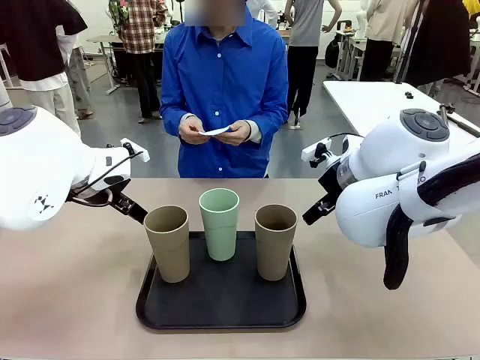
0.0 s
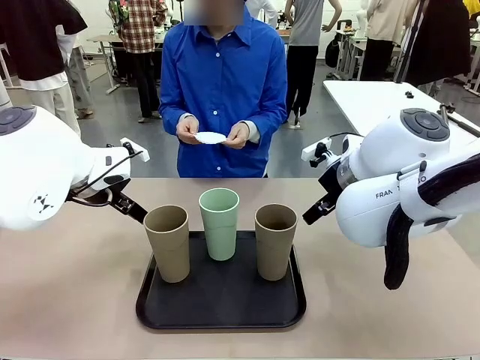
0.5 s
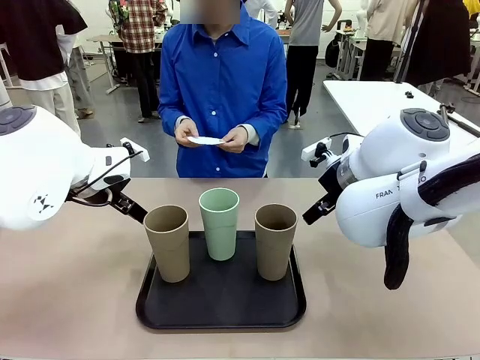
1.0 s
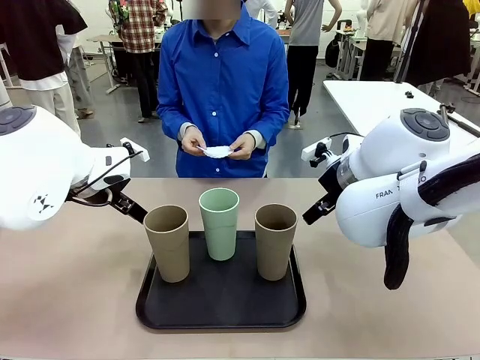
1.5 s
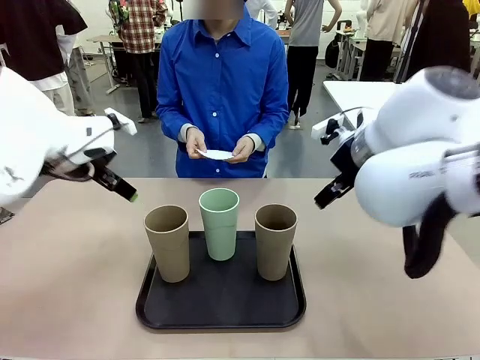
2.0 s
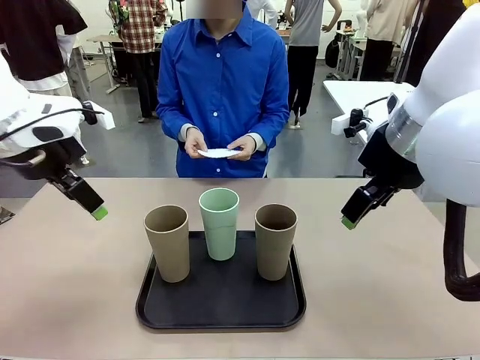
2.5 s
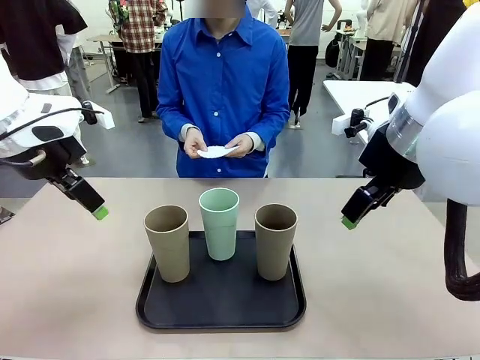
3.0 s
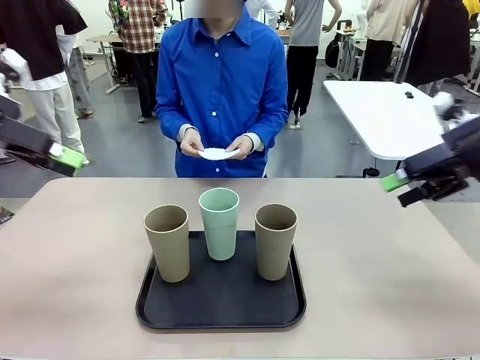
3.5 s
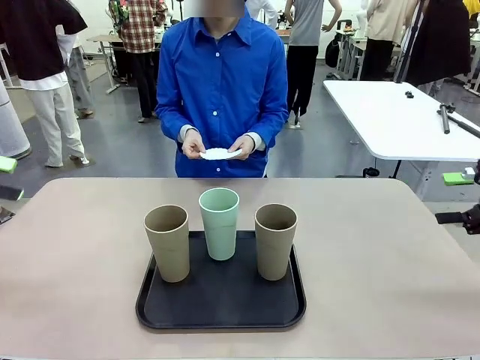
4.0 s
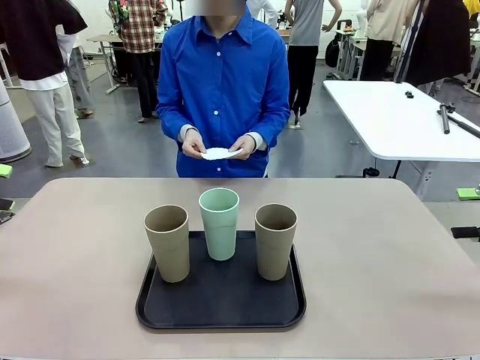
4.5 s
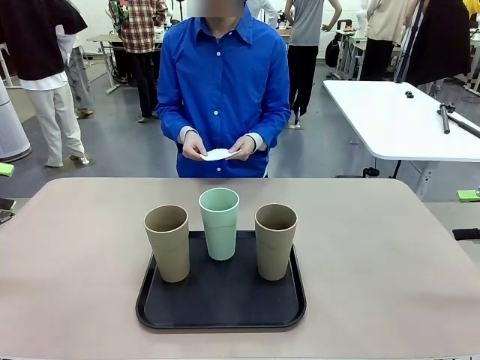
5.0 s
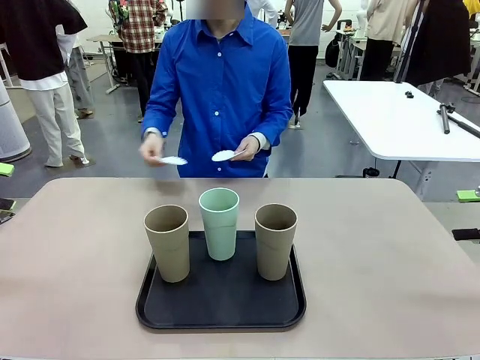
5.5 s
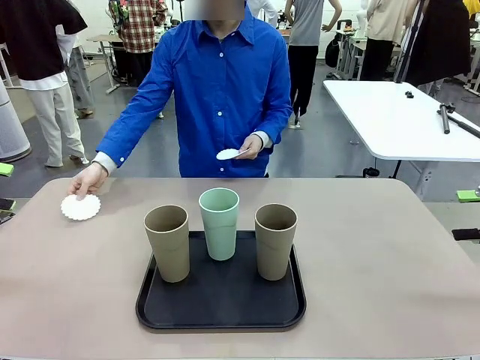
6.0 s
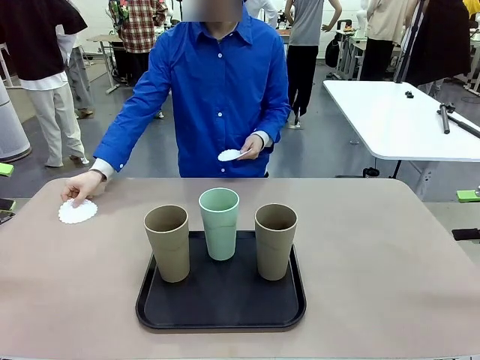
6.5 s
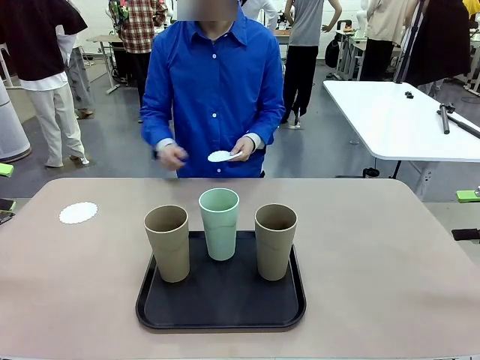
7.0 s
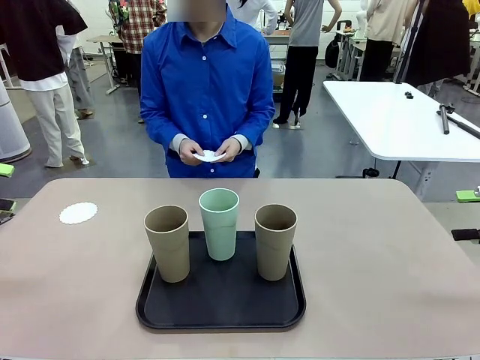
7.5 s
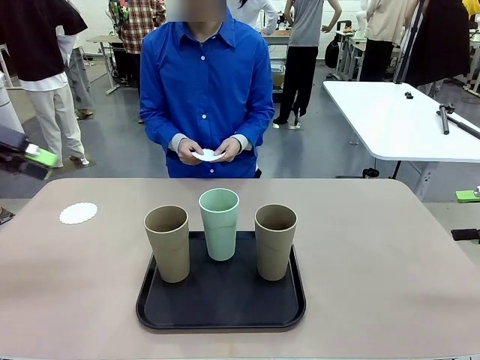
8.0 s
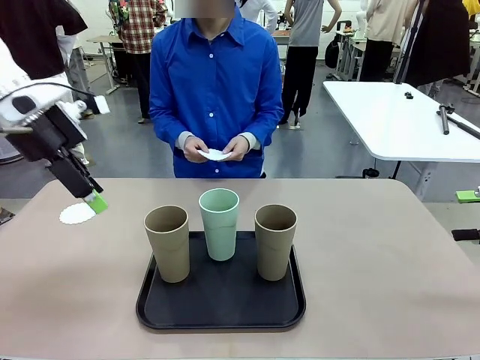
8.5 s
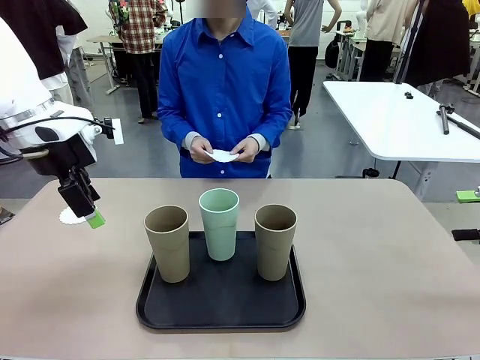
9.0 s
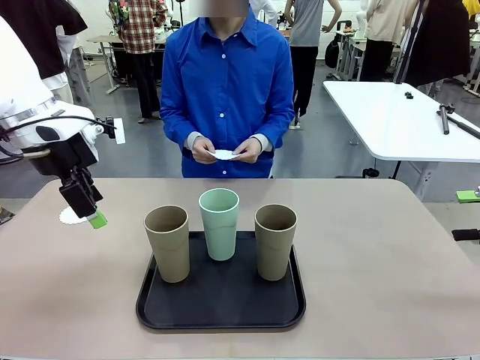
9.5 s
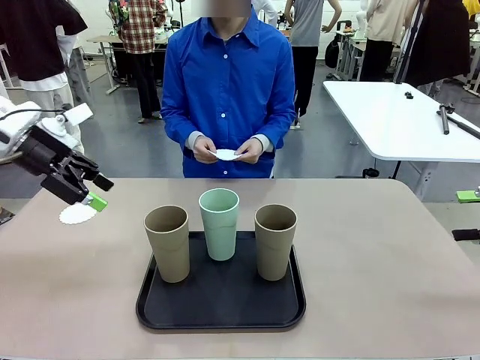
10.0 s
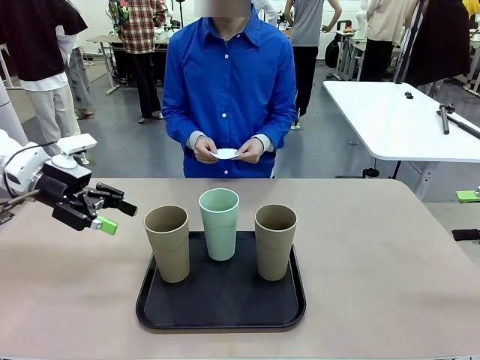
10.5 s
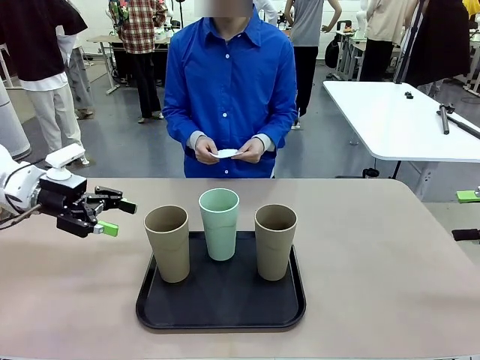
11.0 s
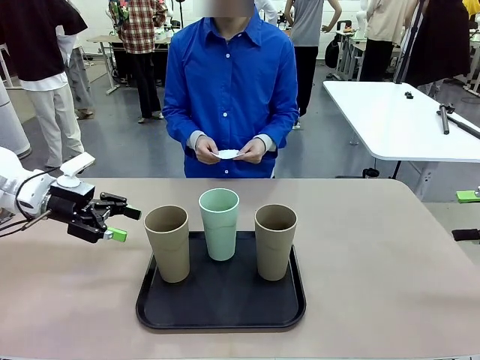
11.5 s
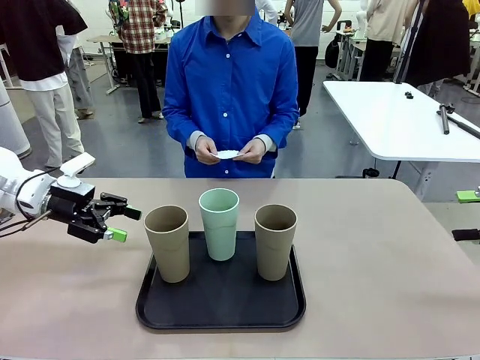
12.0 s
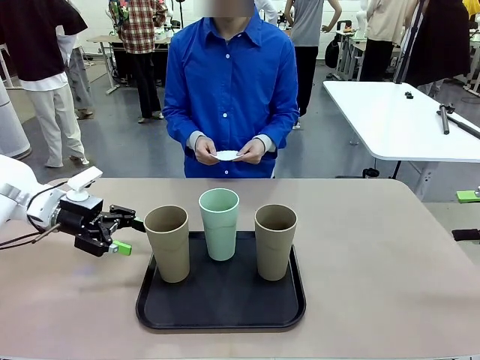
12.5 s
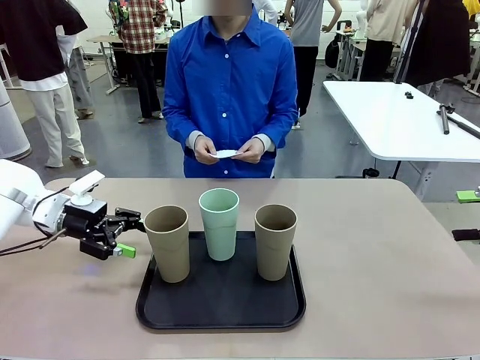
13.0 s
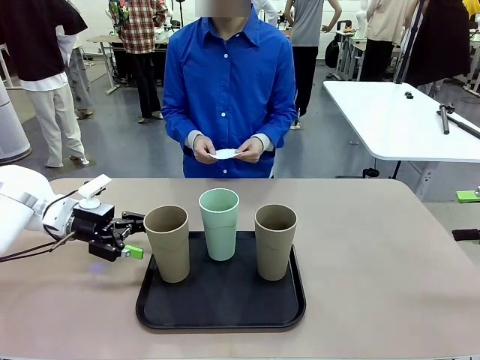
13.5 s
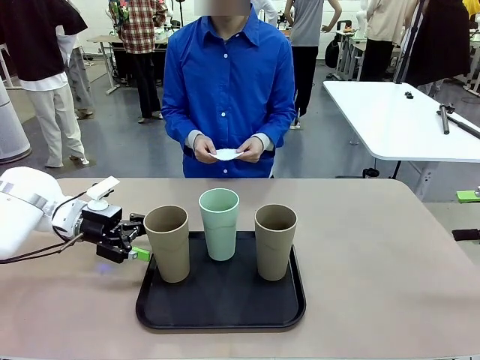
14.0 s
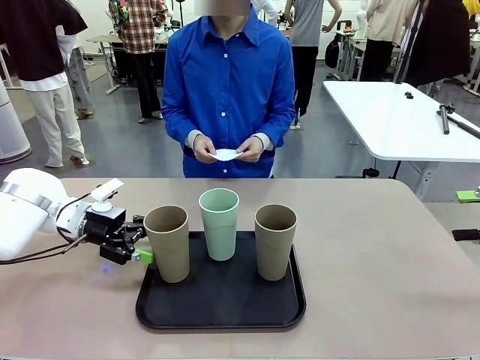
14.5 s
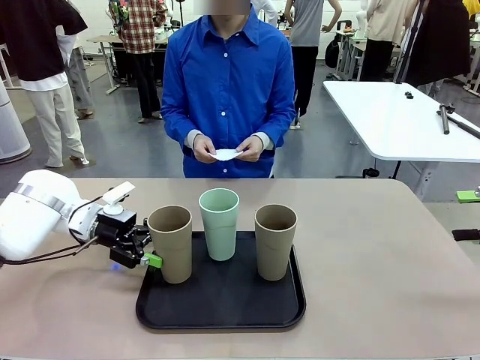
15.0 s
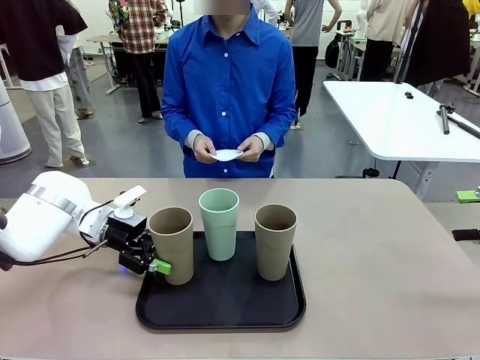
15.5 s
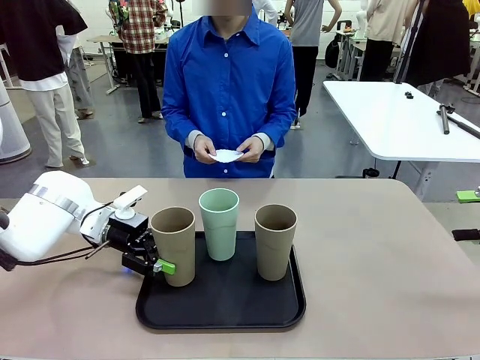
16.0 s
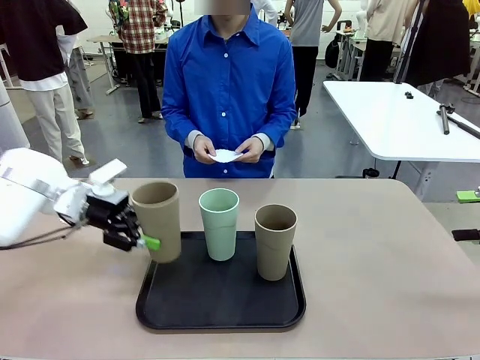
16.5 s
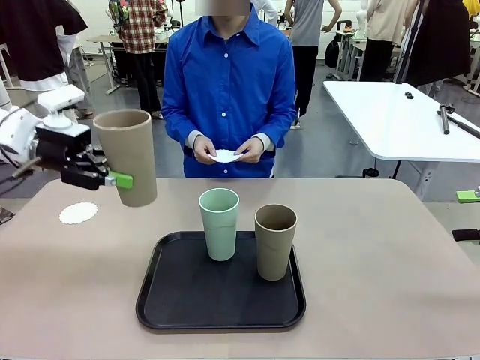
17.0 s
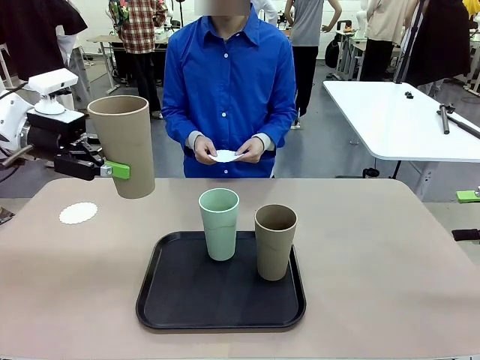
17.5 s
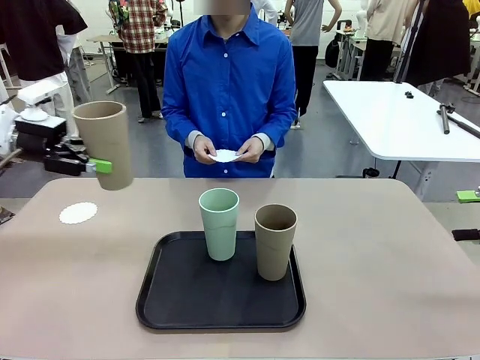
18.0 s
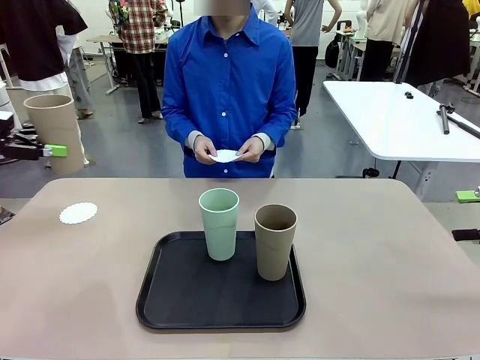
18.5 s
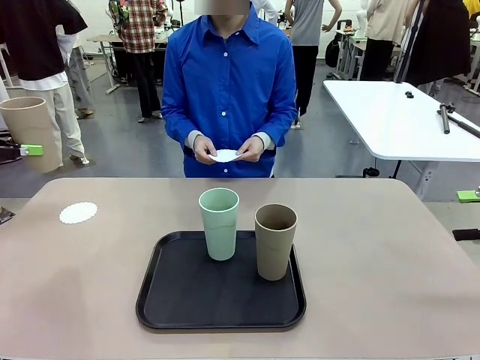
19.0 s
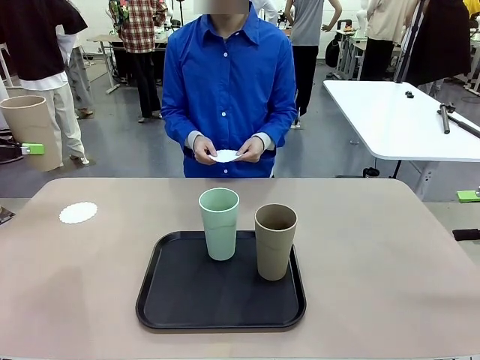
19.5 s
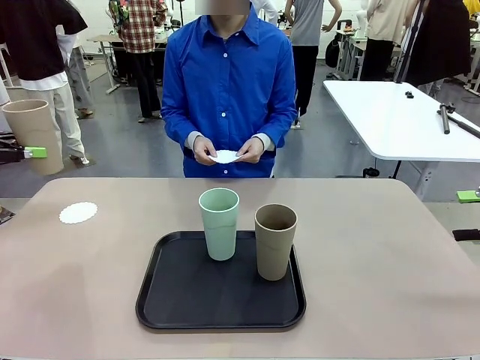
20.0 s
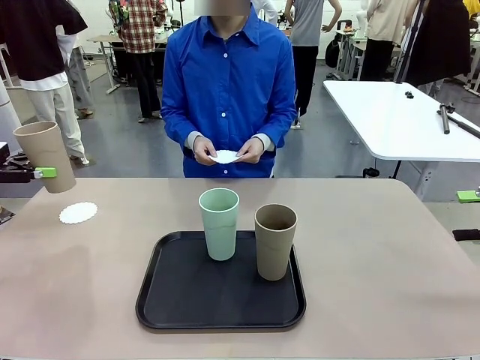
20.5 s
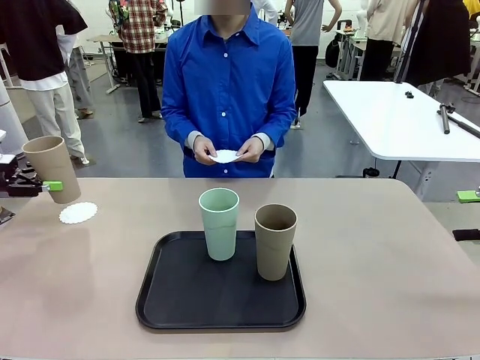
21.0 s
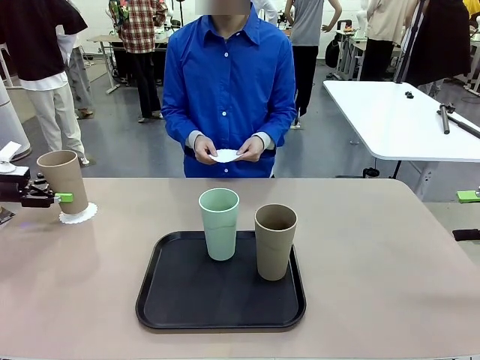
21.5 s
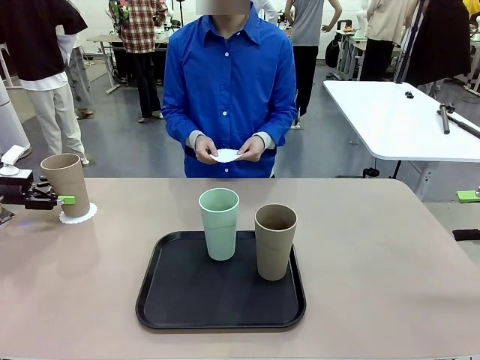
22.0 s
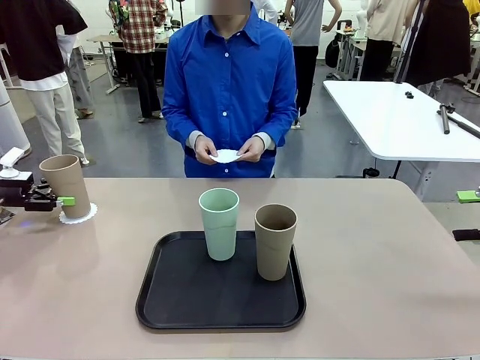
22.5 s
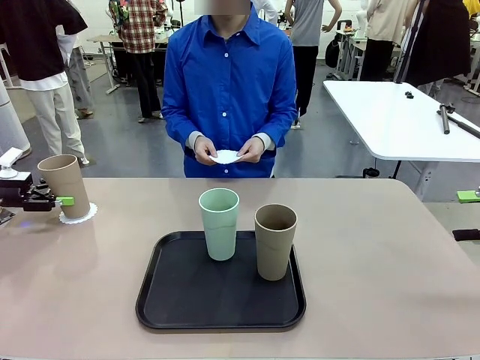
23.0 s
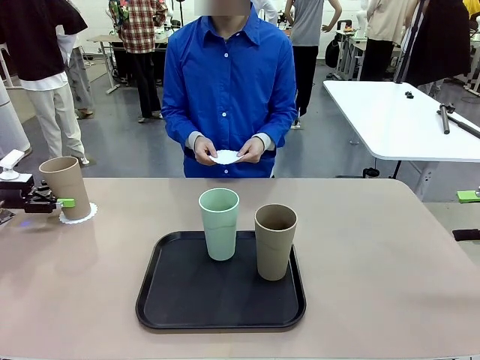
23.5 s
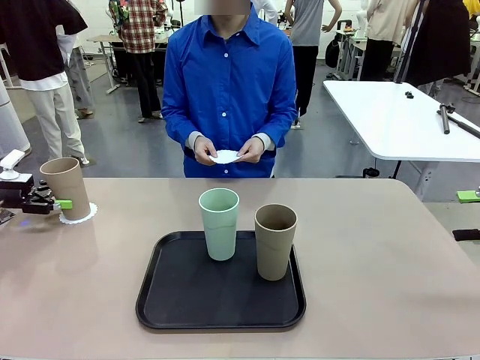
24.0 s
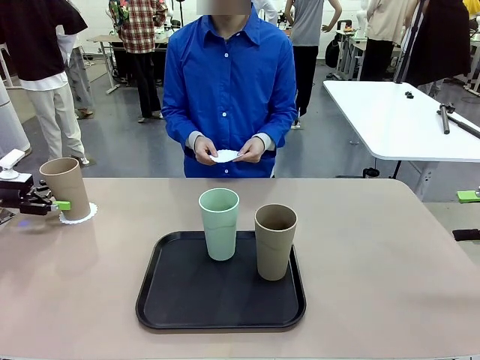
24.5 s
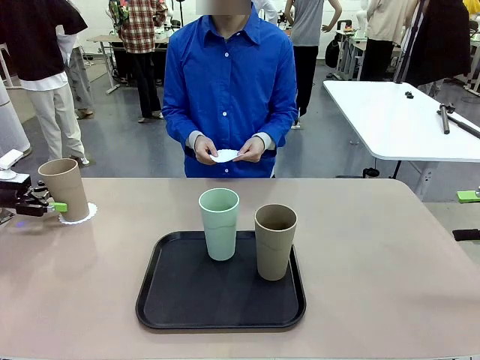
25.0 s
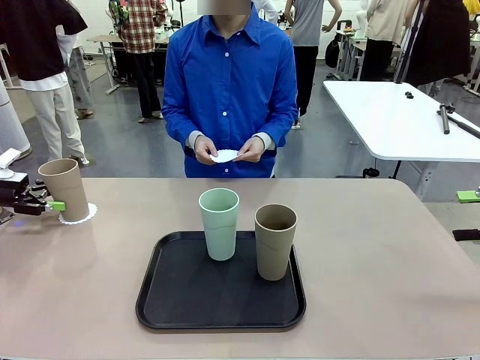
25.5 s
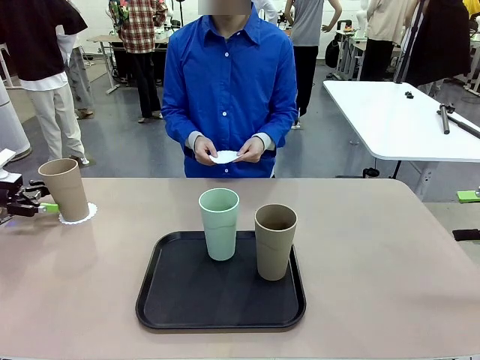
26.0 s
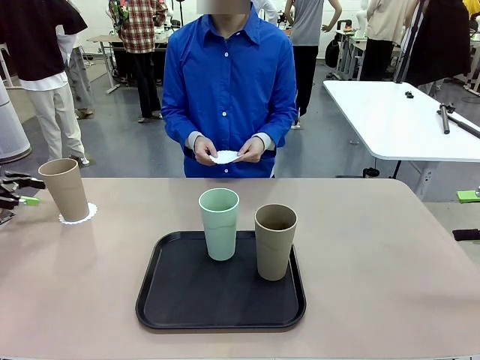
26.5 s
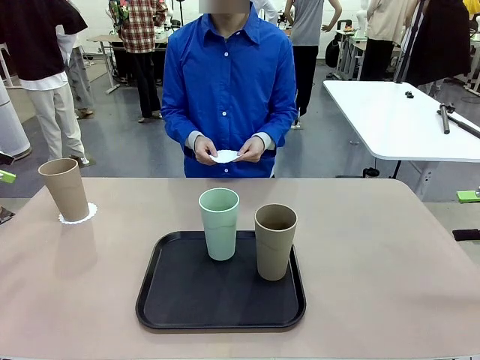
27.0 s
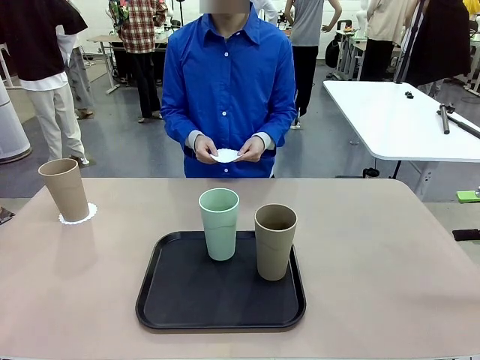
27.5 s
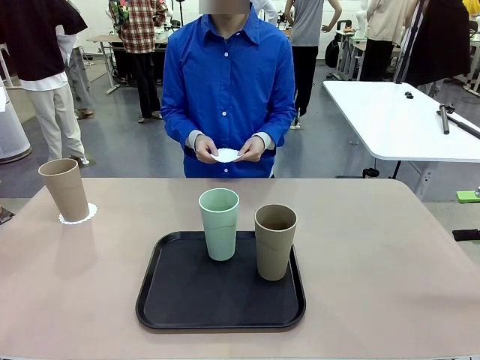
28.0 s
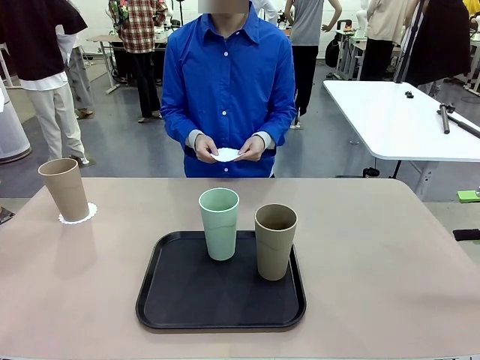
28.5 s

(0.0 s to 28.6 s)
Task: Place coasters on the table and set cups on them.
Robot: Pick up one Reusable plastic cup and place it on a coaster set by the human.
Person: Place one coaster in any one of the three lower areas of the robot table (left, center, or right). Place one coaster in one of the two areas excluding the previously selected area.
